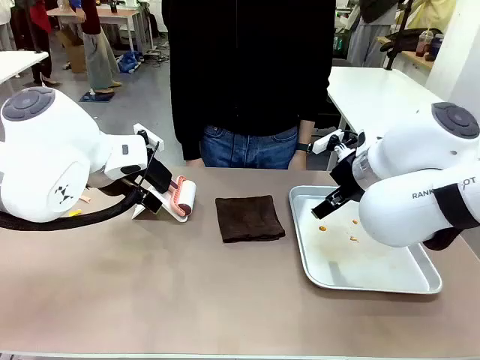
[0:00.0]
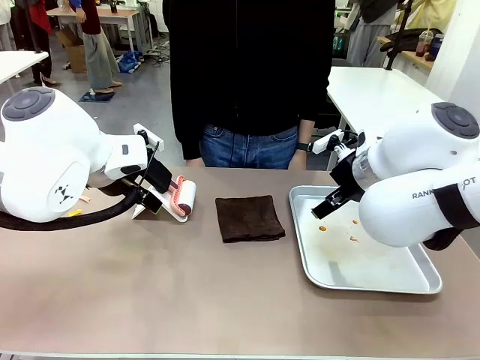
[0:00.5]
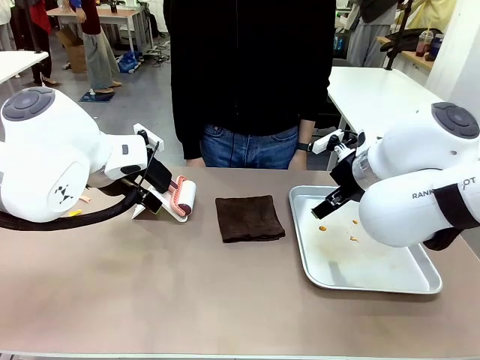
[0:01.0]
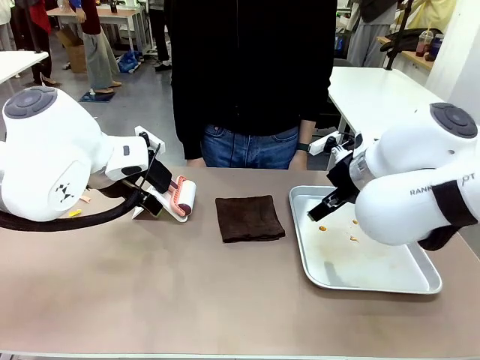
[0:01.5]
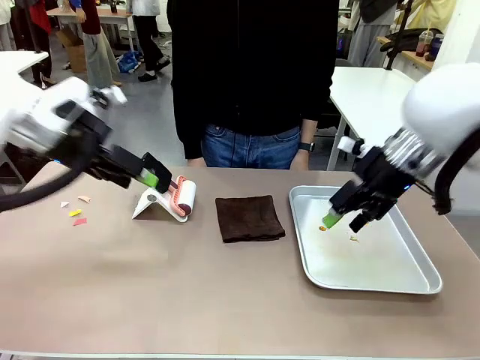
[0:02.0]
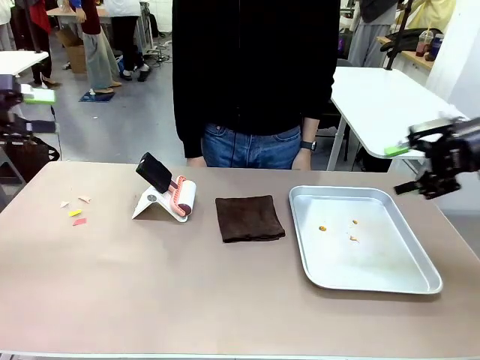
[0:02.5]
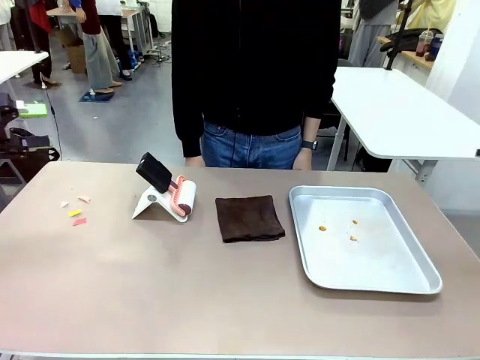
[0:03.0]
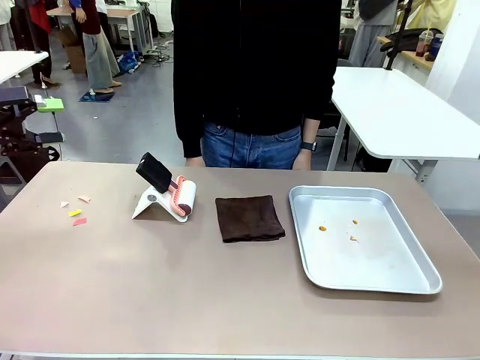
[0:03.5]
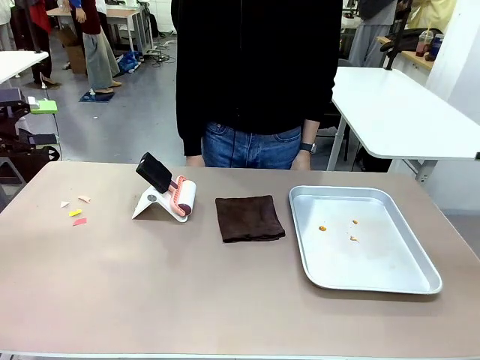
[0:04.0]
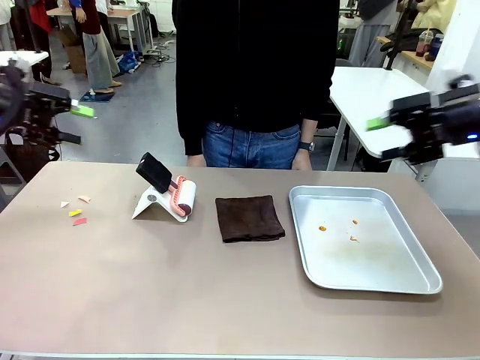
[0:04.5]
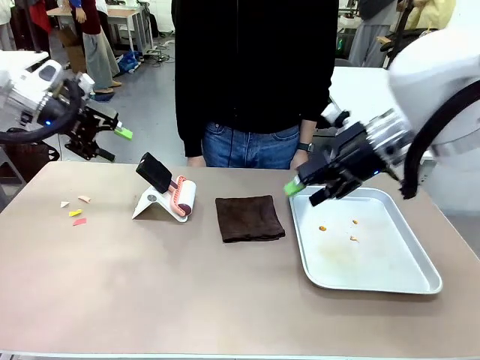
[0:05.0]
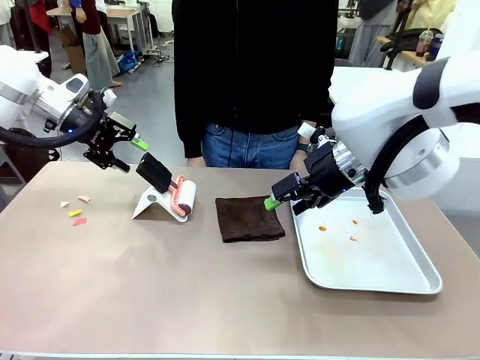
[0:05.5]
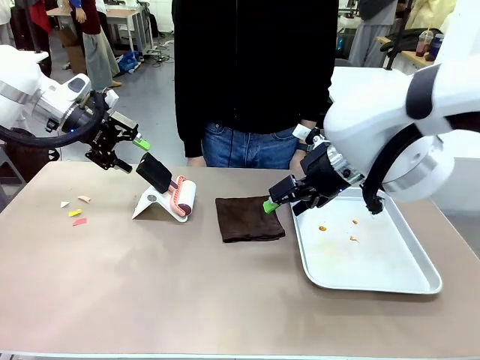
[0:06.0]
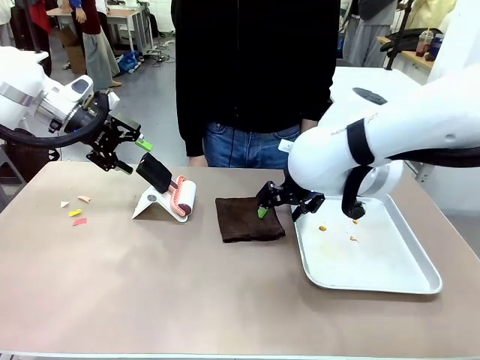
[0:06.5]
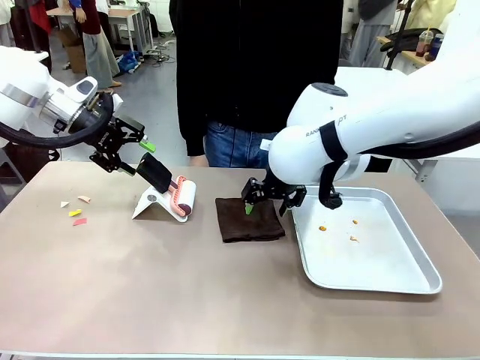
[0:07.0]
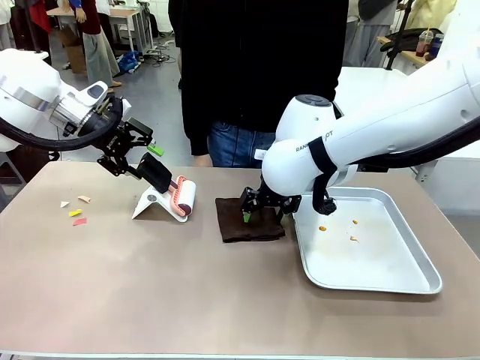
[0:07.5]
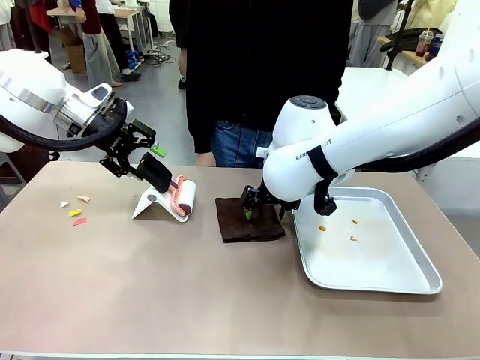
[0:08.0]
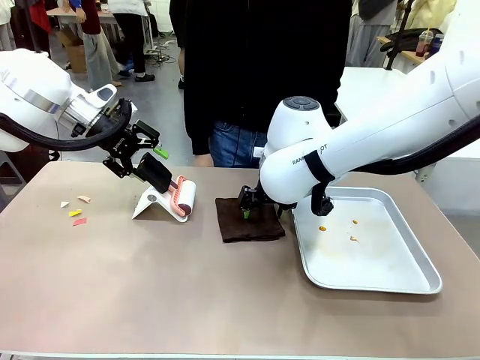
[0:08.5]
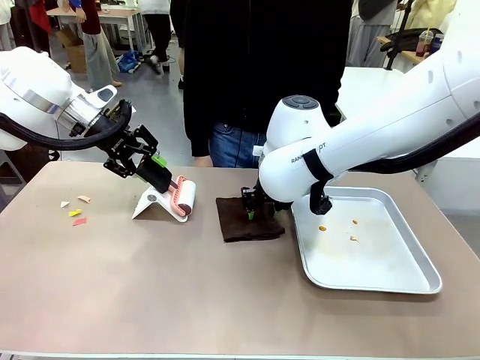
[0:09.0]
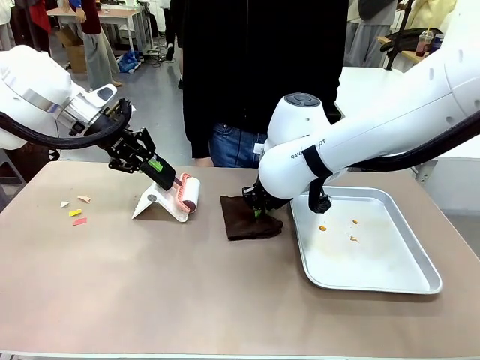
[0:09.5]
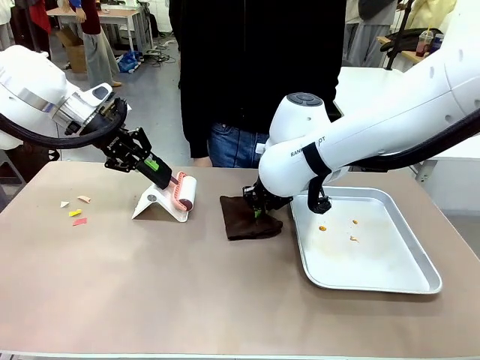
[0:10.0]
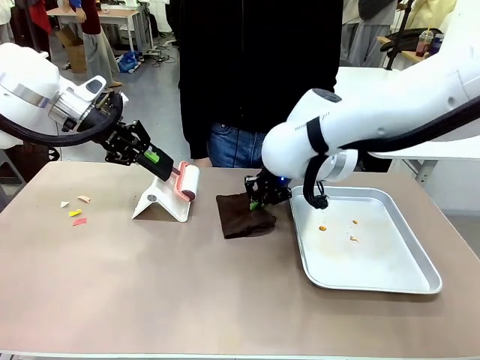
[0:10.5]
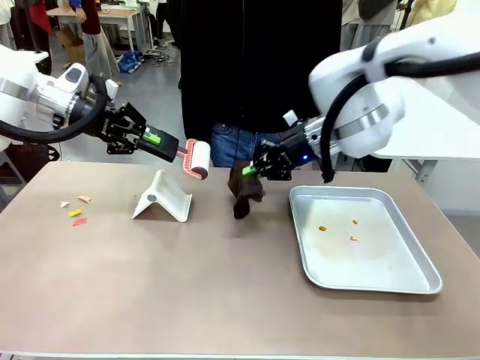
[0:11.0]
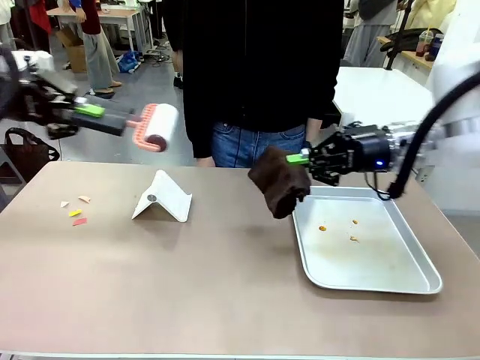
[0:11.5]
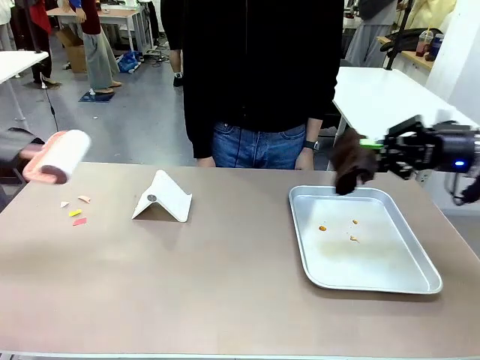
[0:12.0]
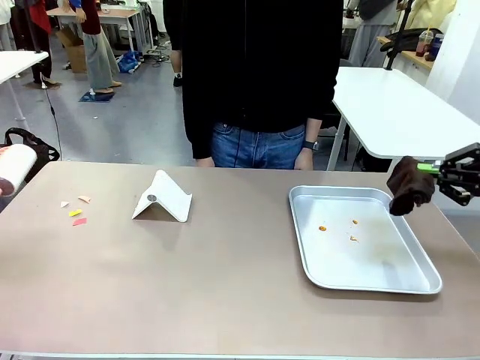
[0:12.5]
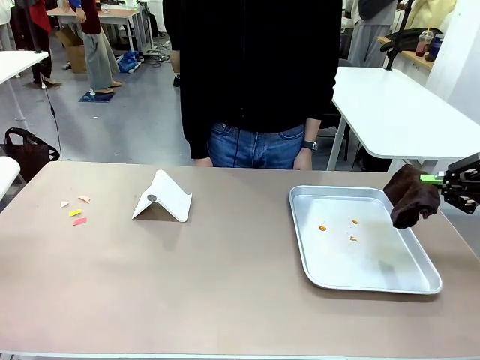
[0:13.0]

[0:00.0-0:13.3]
Task: Clean the surface of the table.
Robot: Hold the Lint Roller with your left hand and the towel with your right hand.

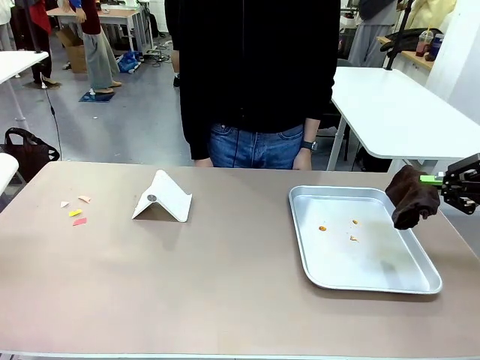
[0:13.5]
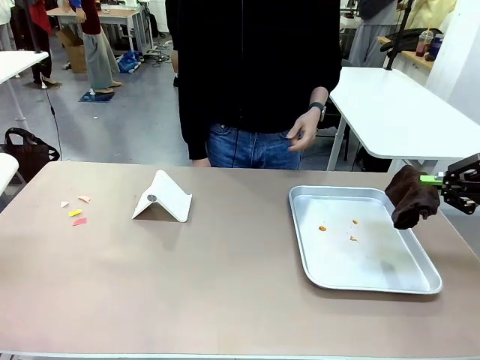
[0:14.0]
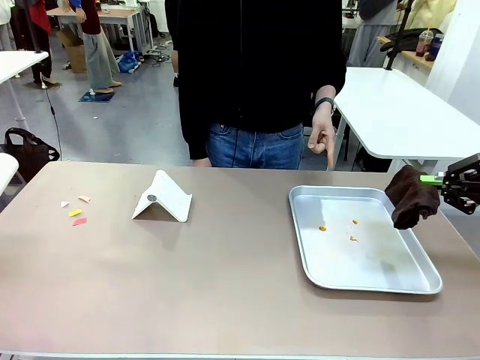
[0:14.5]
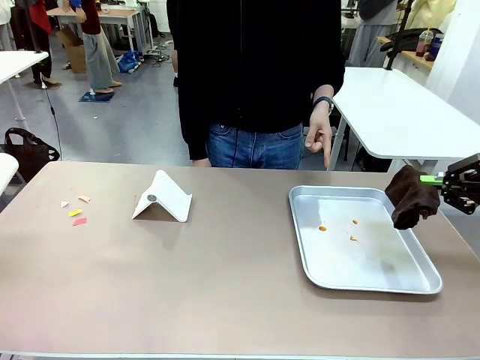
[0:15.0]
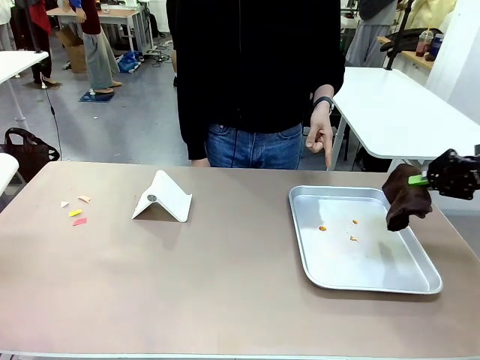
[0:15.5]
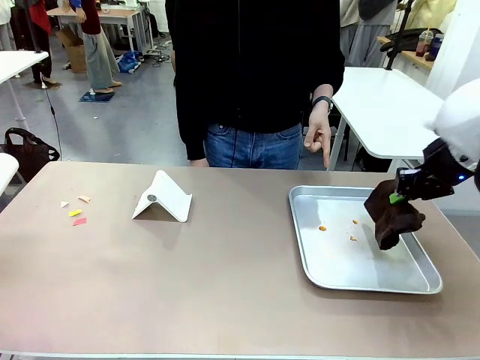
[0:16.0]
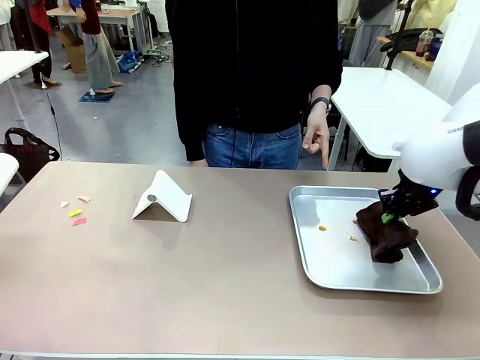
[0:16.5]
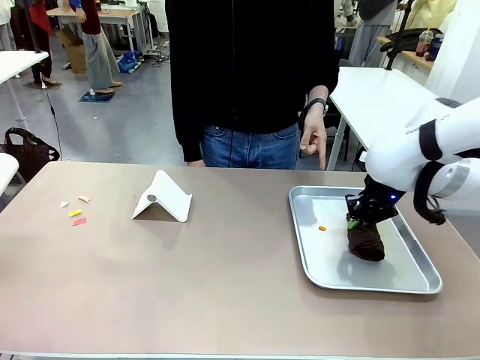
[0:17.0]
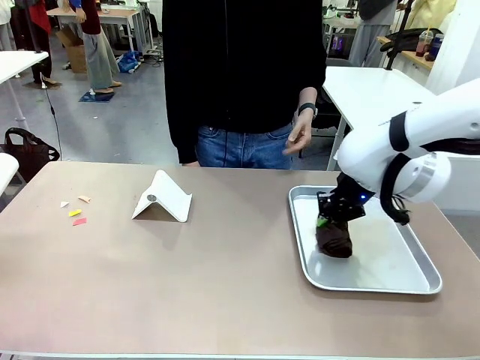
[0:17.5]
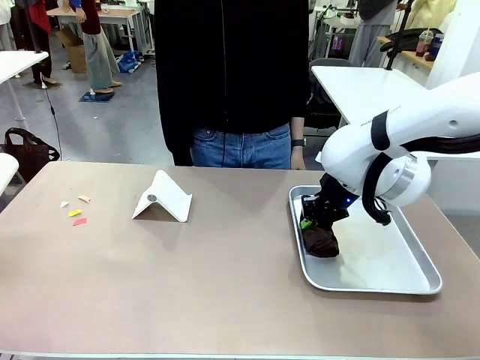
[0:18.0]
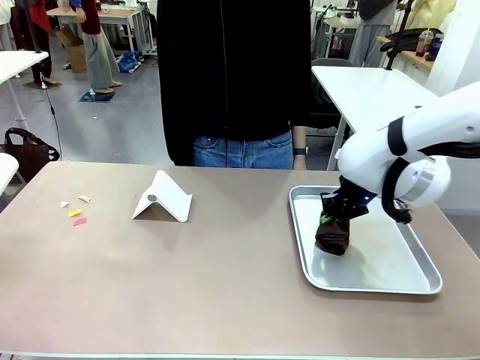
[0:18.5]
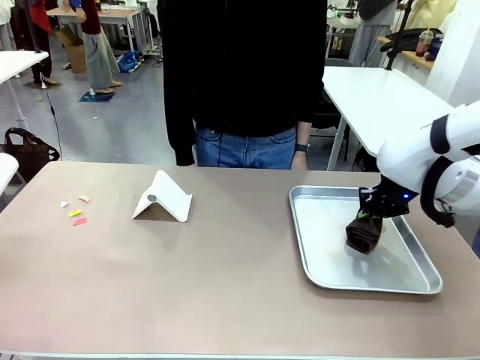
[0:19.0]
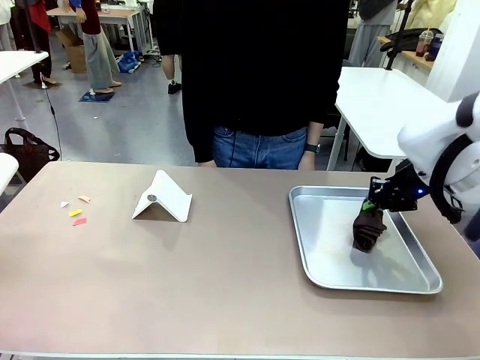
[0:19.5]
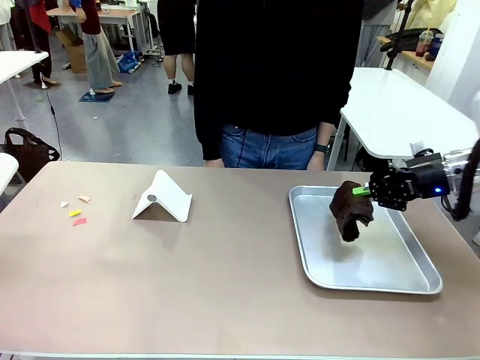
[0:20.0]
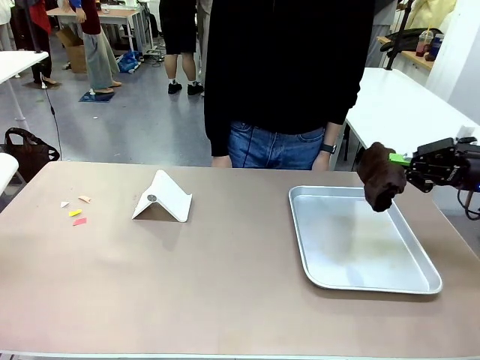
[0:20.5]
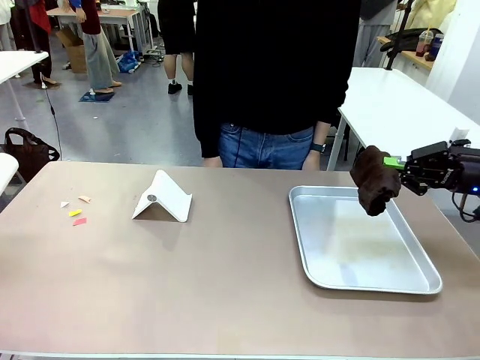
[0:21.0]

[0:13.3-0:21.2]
Robot: If a person points to the right, clean the right side of the table with your right hand, and if they point to the left, clean the left side with your left hand.
